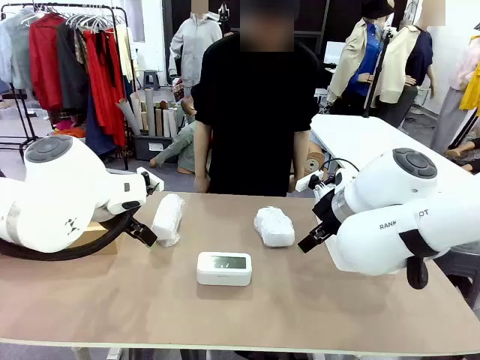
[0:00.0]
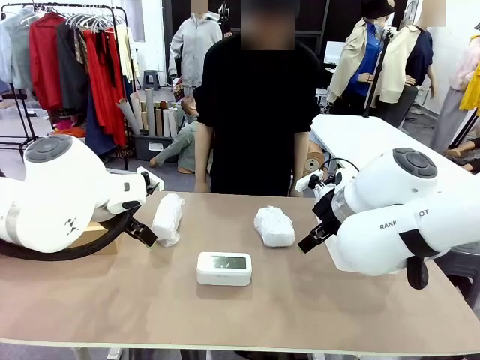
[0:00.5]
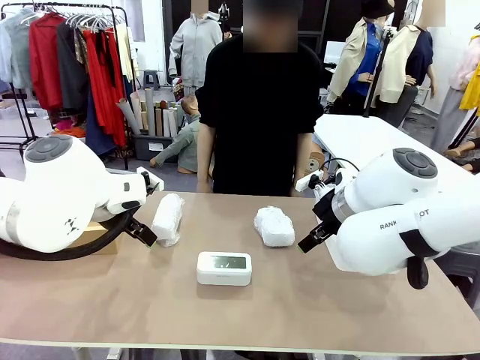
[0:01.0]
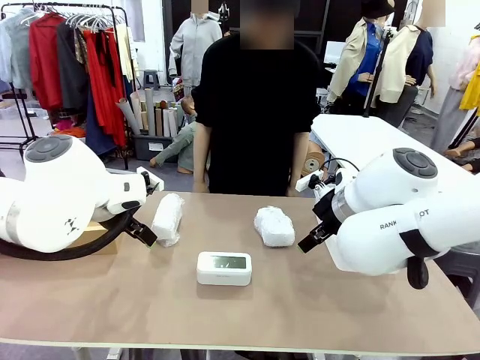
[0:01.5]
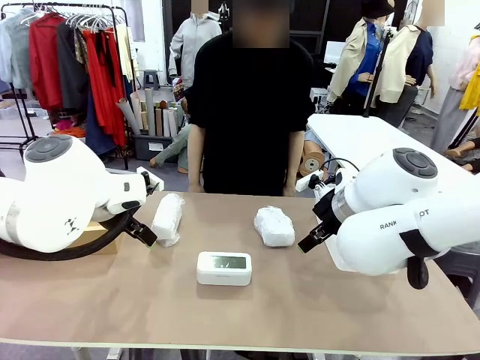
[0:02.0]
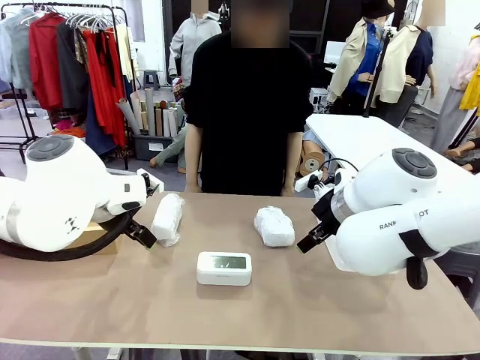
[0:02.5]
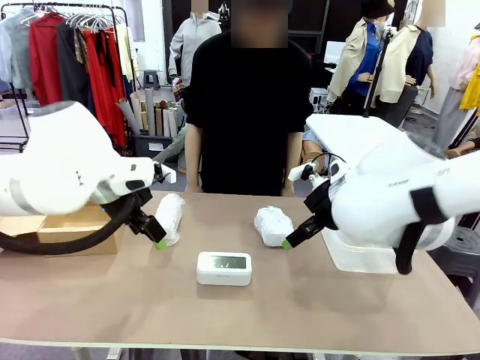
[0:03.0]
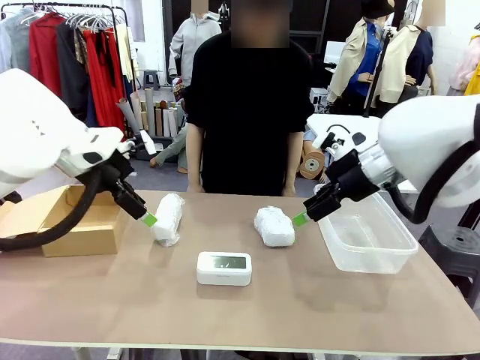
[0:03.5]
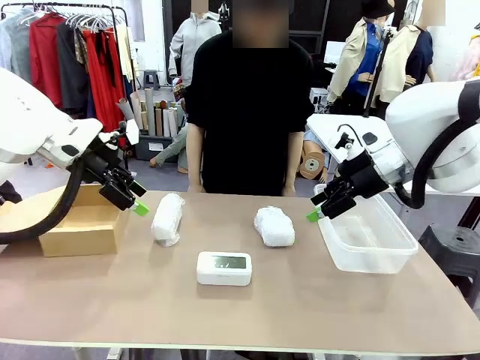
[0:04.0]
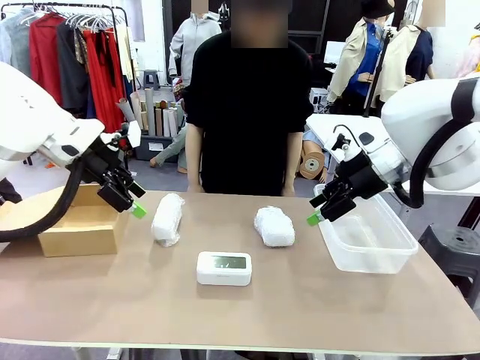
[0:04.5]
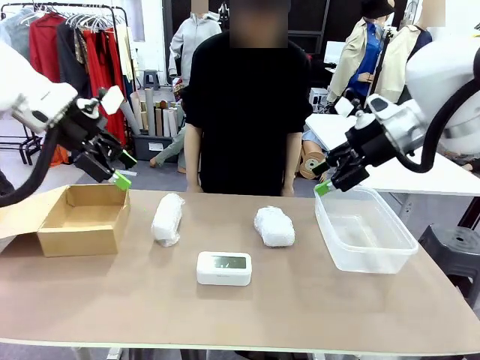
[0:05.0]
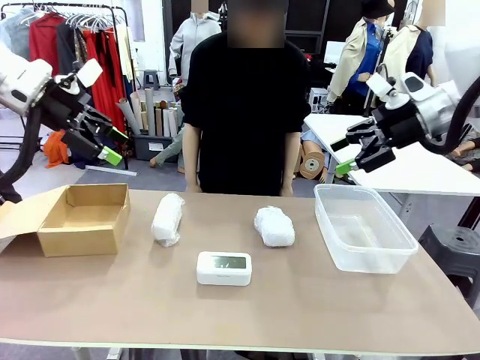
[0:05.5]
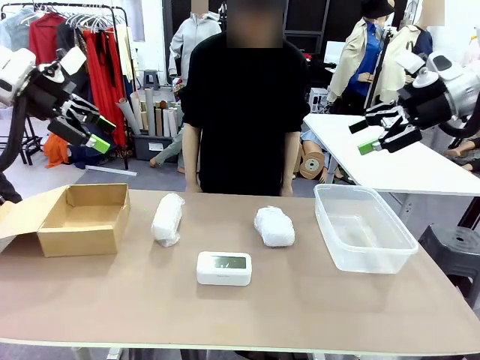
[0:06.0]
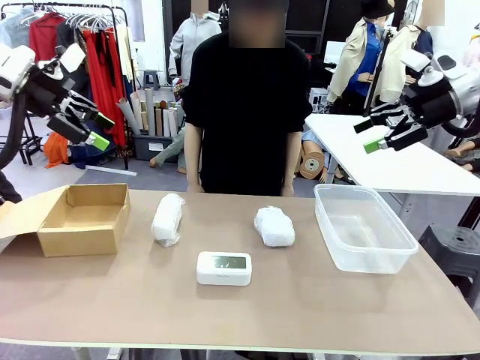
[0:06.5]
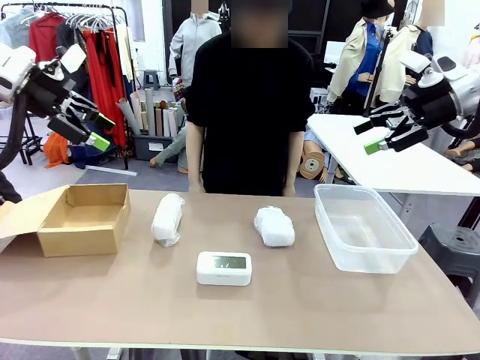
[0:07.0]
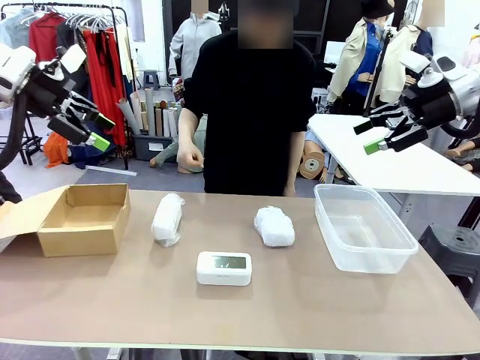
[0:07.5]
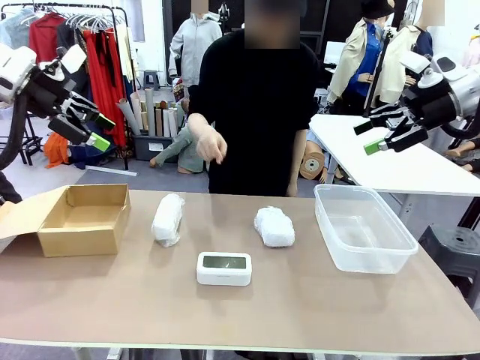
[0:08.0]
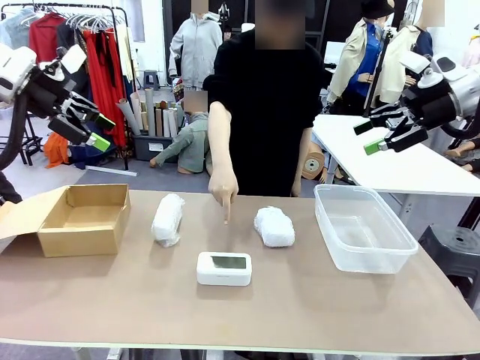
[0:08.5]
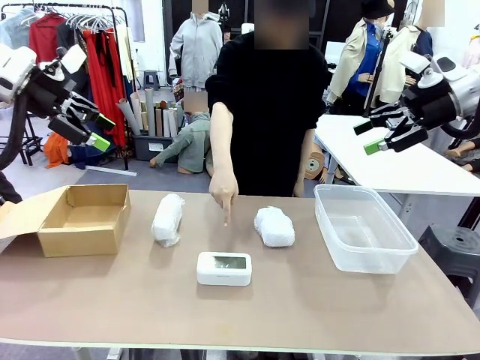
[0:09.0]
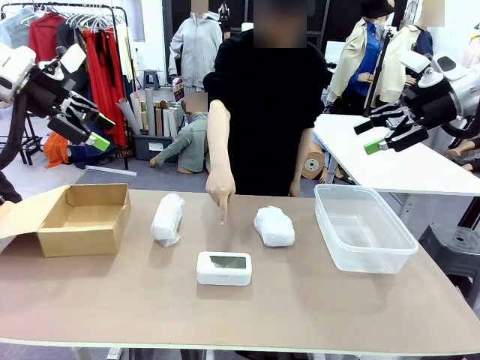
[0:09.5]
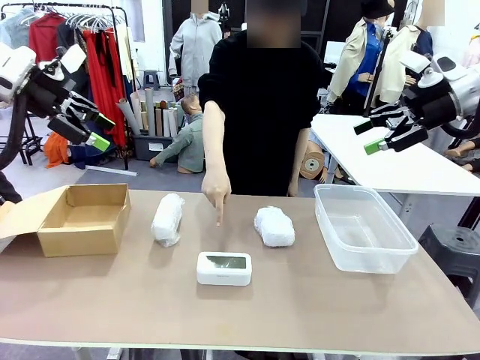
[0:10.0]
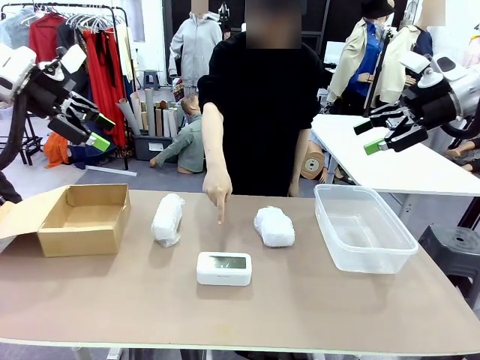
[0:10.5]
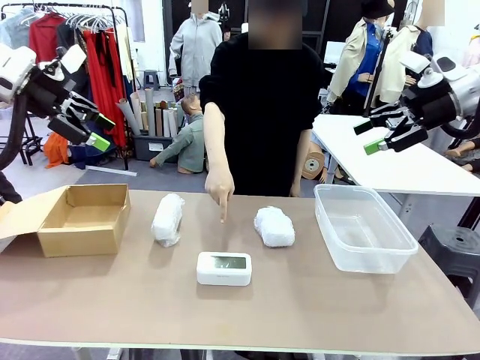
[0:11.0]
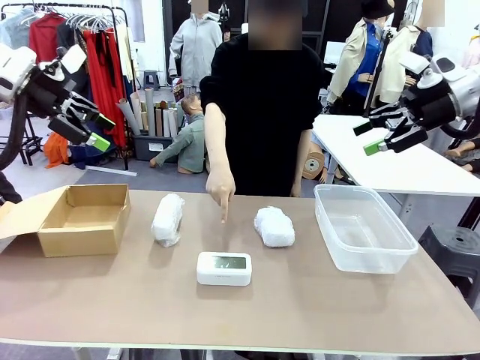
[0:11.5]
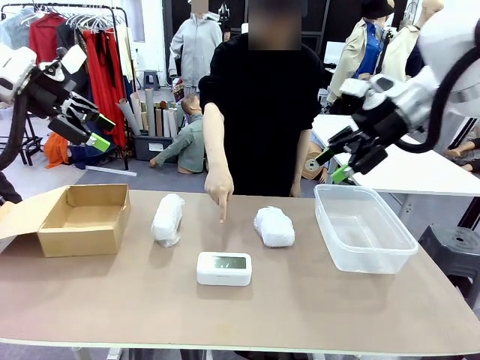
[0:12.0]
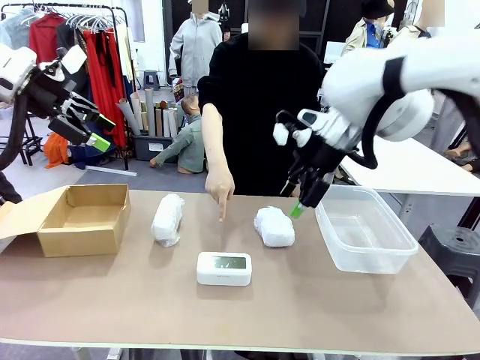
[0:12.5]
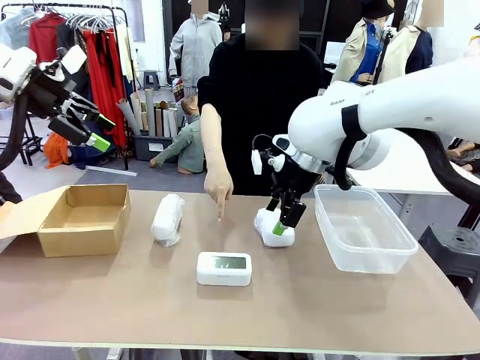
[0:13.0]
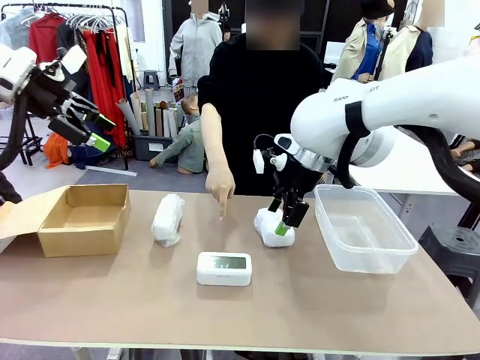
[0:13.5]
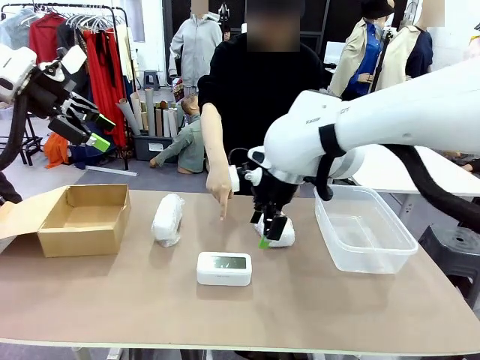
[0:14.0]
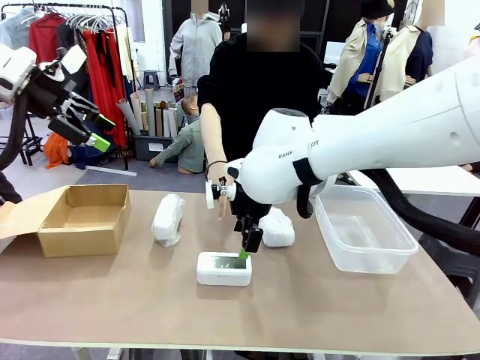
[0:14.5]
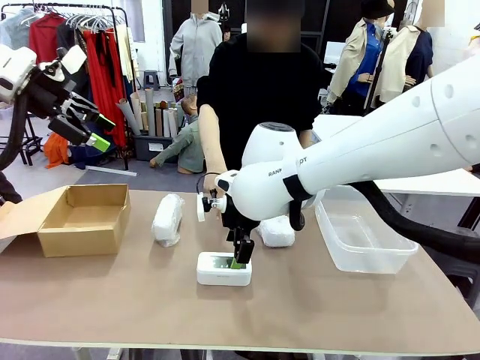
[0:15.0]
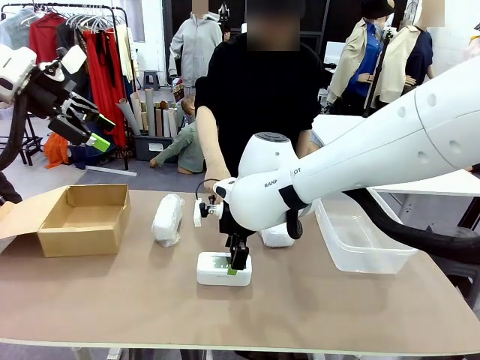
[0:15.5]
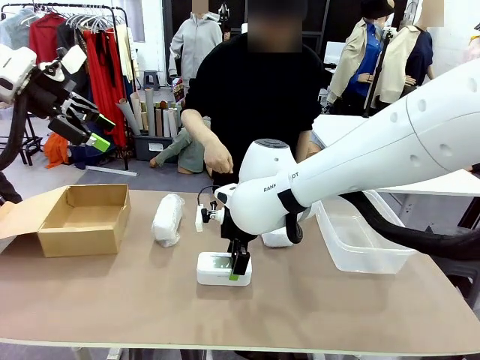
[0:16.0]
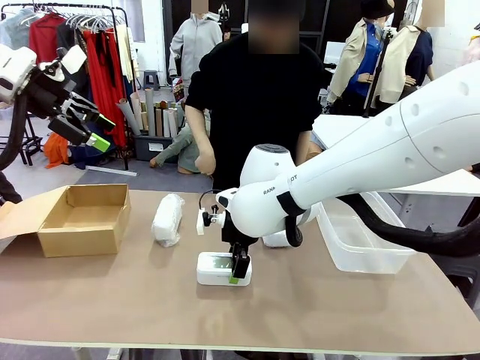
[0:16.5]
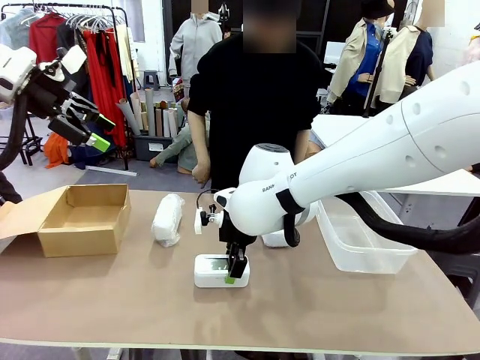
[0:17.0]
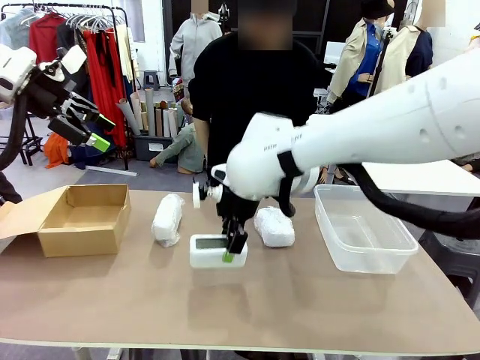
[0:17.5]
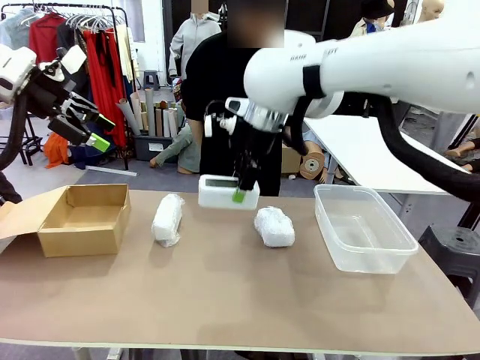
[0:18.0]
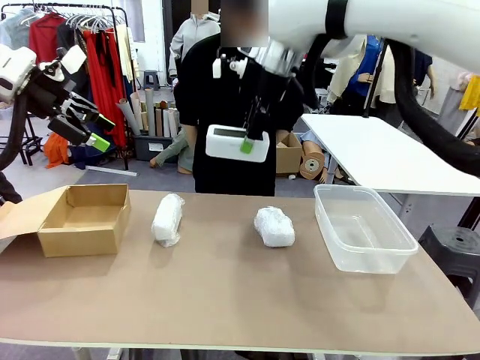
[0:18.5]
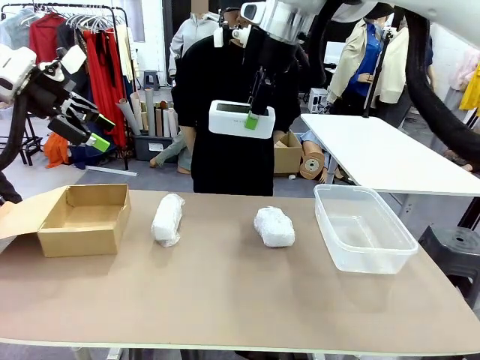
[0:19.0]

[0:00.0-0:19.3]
Task: Separate and place wrapped and unwrapped clocks.
Robot: Pick up the Digital clock indicated by the person.

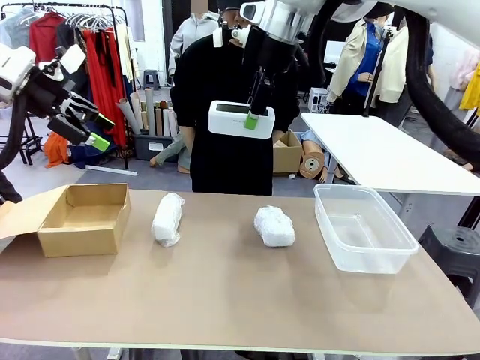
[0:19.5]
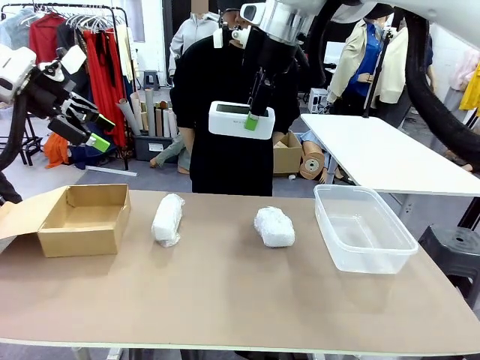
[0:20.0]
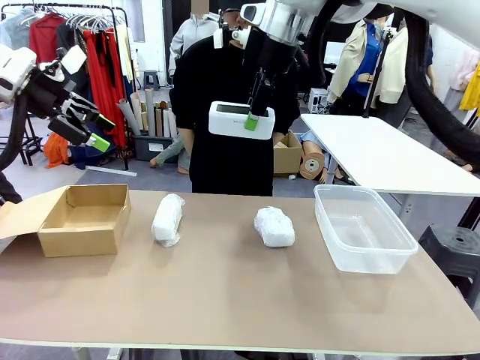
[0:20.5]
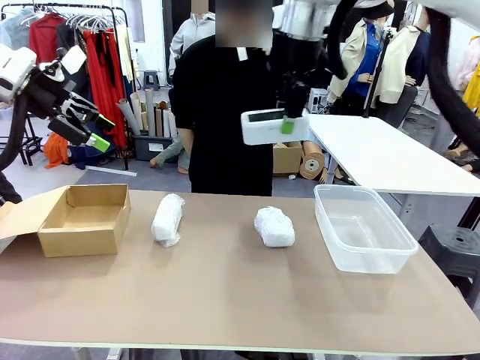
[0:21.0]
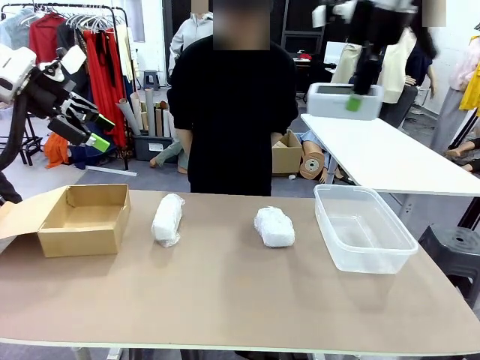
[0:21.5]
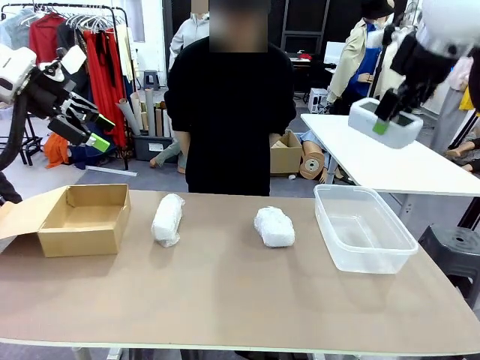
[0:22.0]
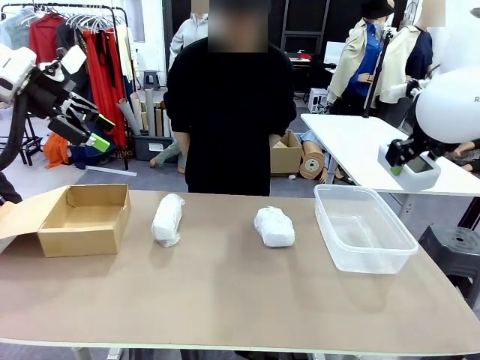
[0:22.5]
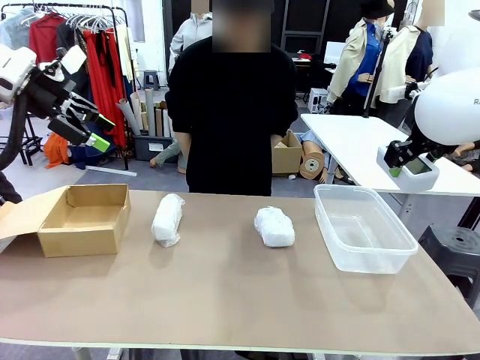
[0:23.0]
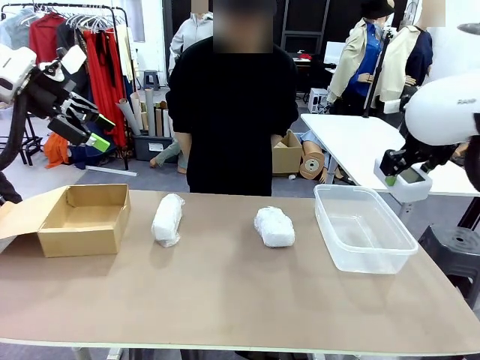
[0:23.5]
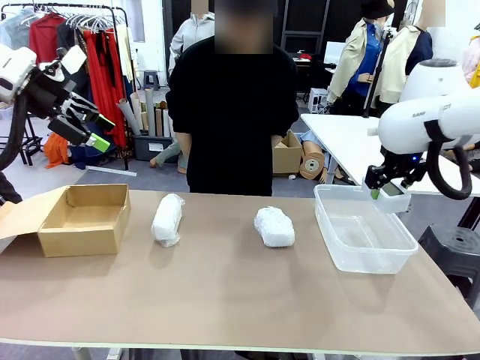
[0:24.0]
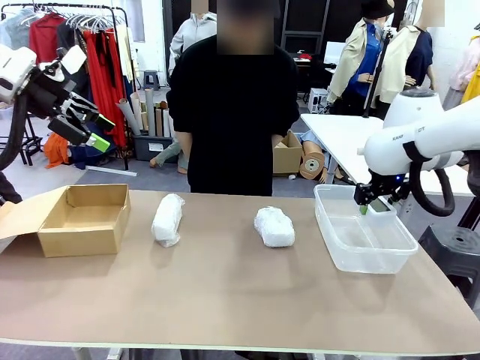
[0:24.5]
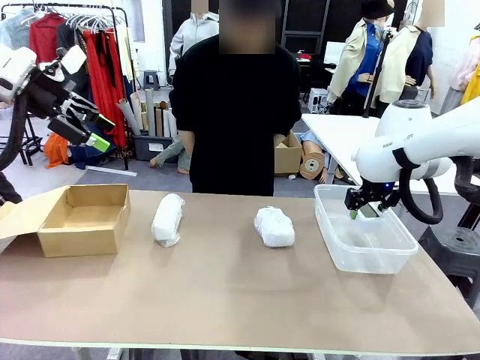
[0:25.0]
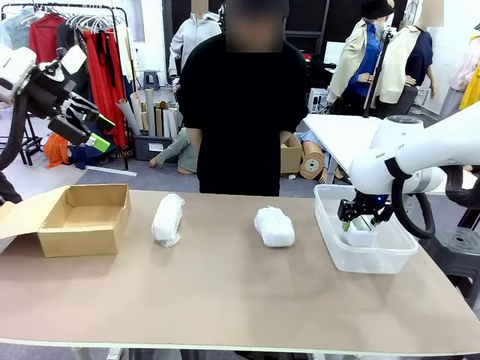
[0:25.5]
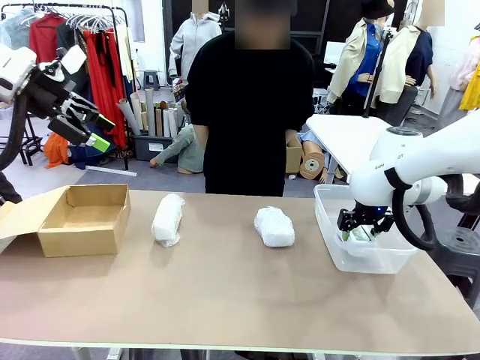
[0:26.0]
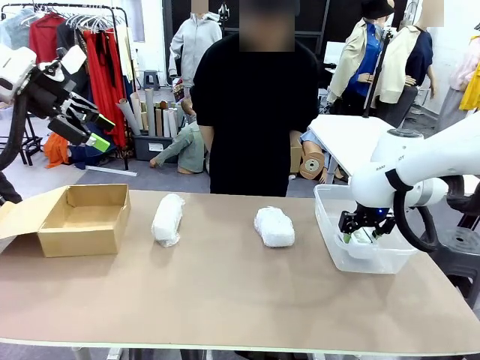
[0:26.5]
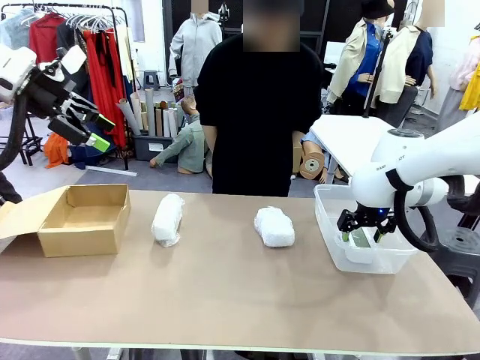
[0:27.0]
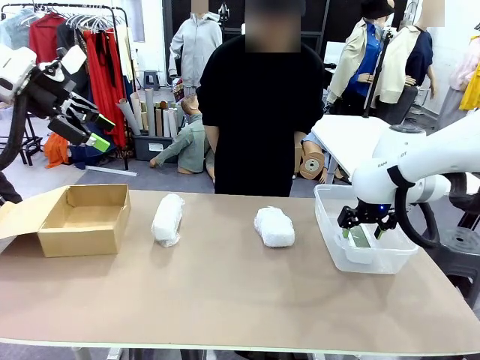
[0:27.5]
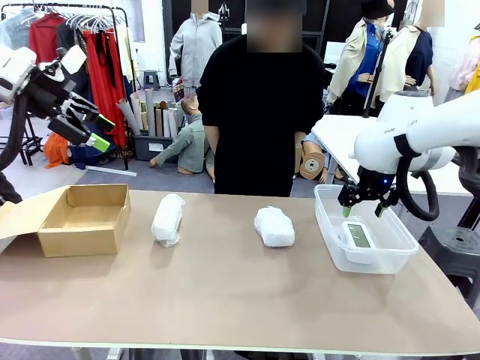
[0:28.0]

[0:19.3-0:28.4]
Robot: If the picked Digital clock is wrapped, place it in the Package Box ; if not, place it in the Organizing box.
